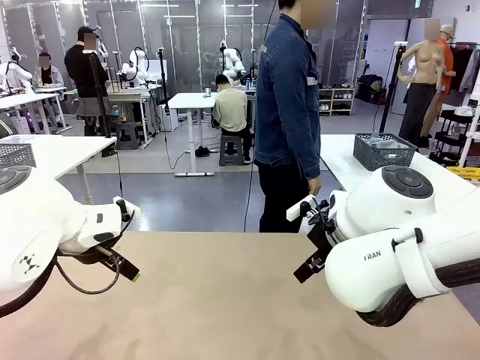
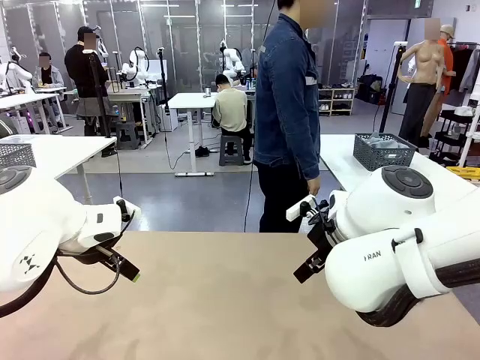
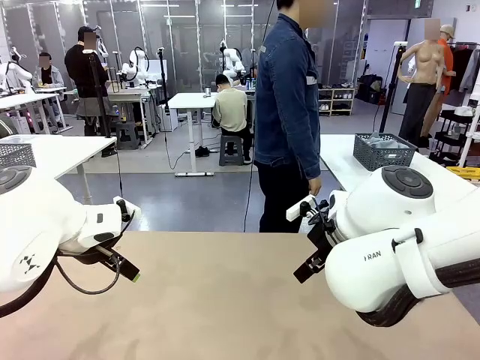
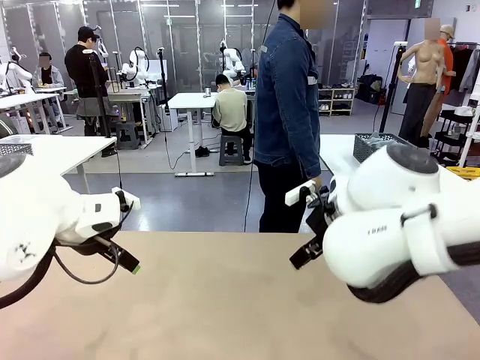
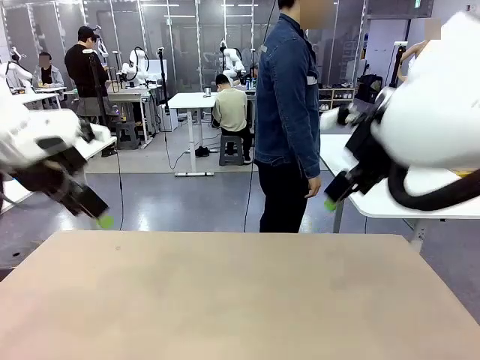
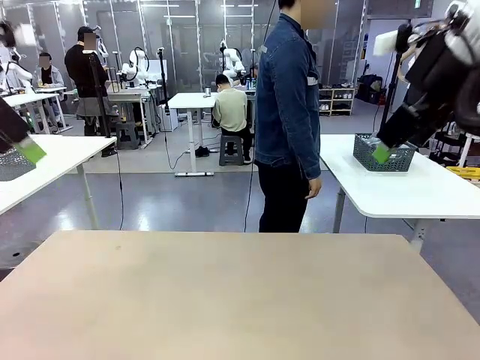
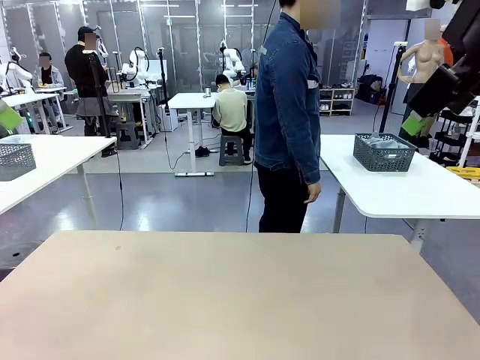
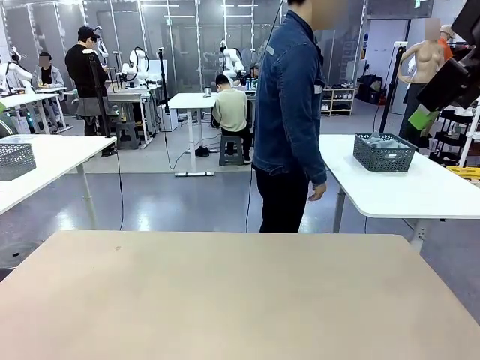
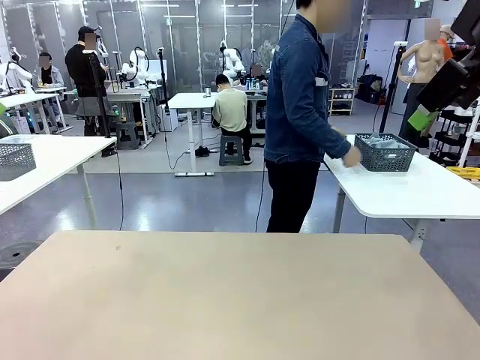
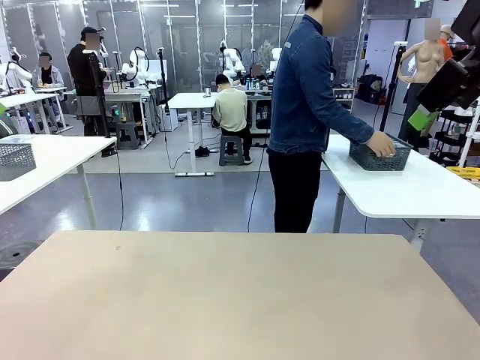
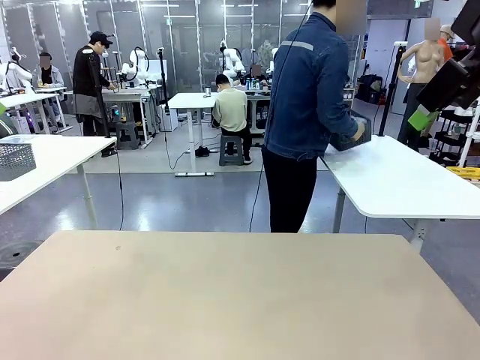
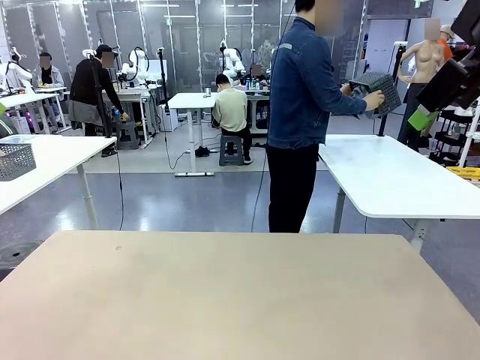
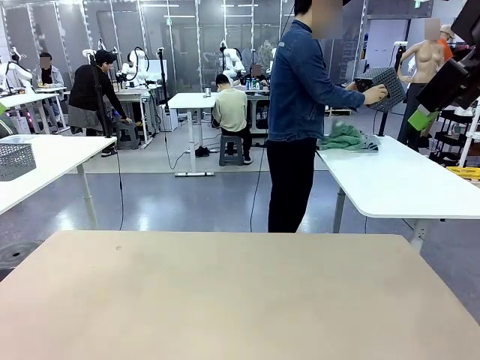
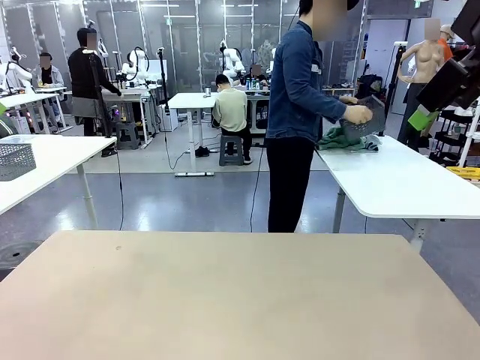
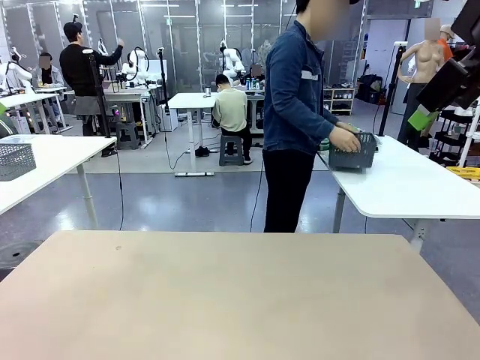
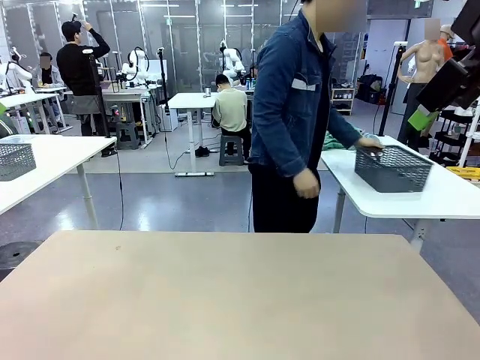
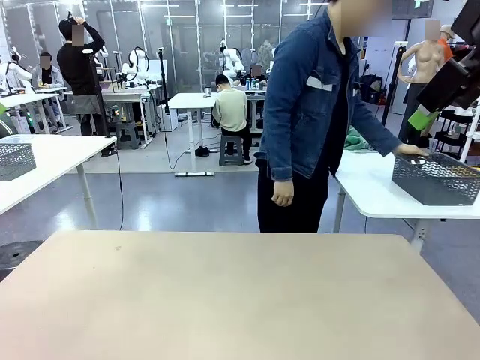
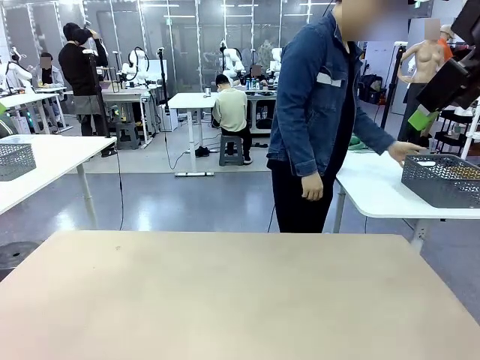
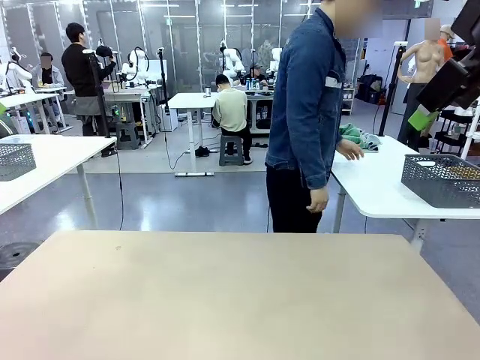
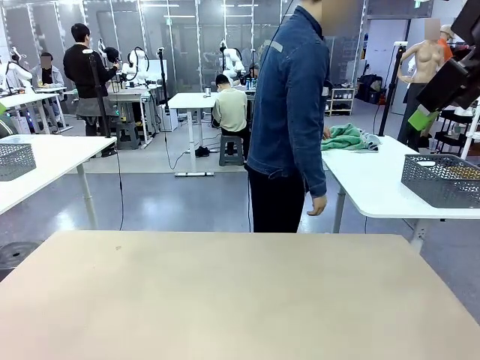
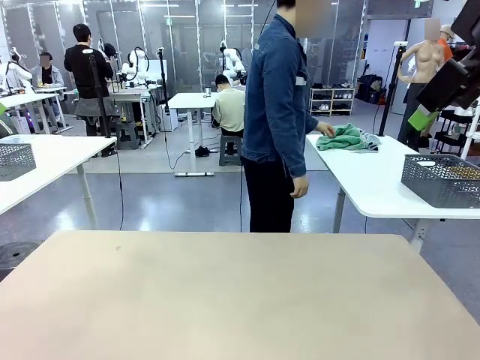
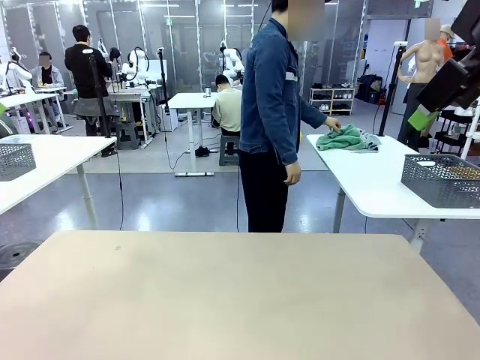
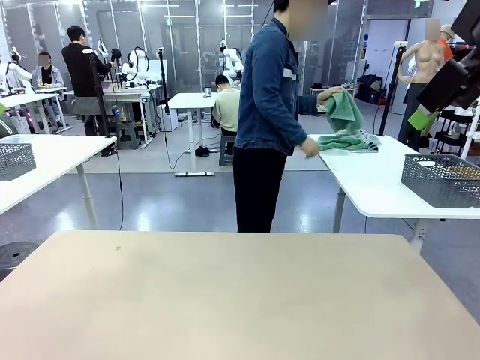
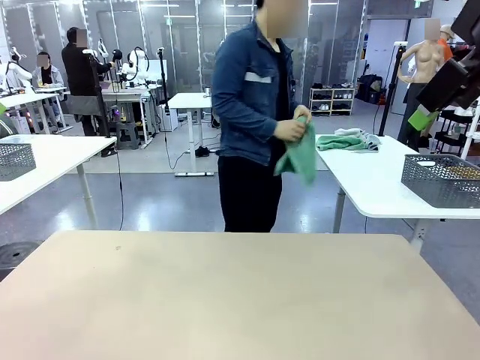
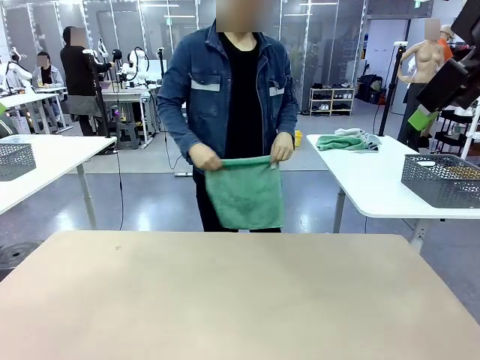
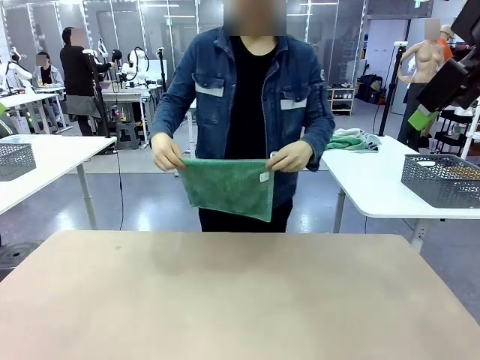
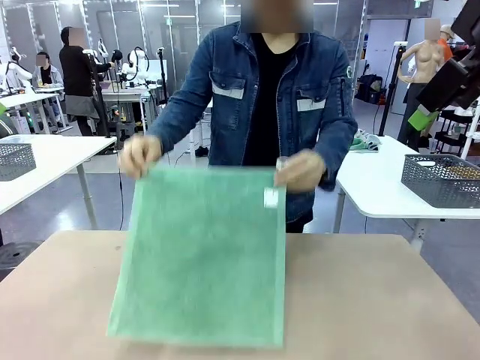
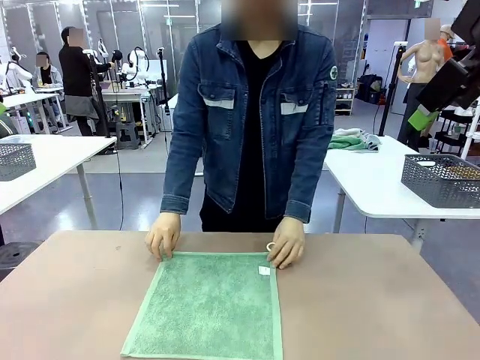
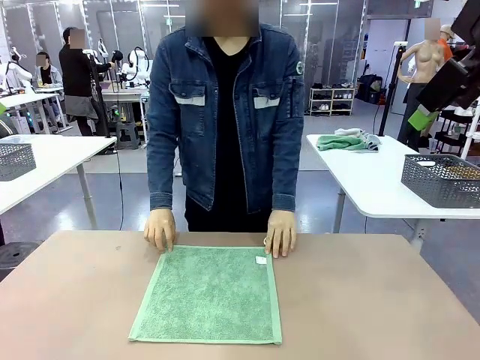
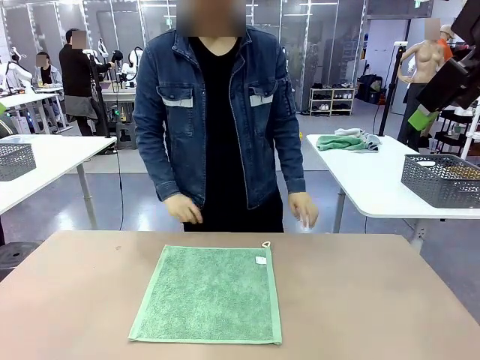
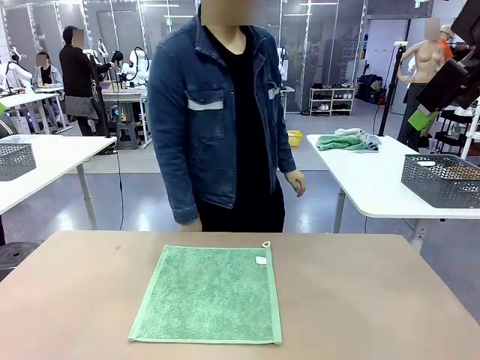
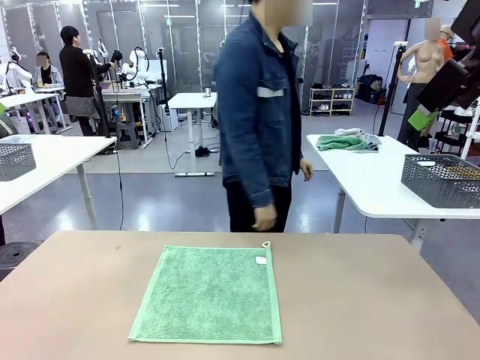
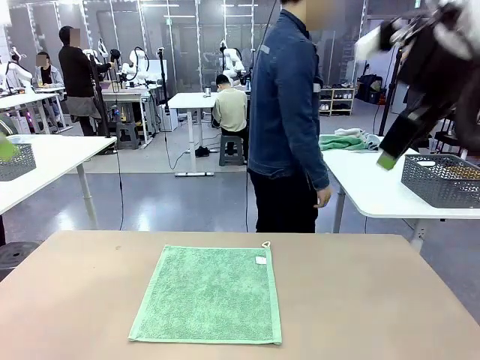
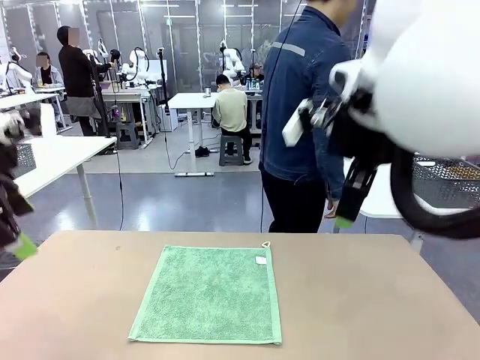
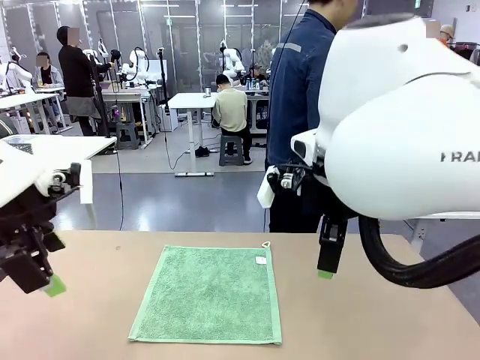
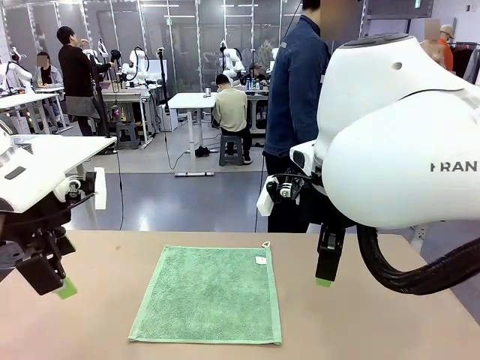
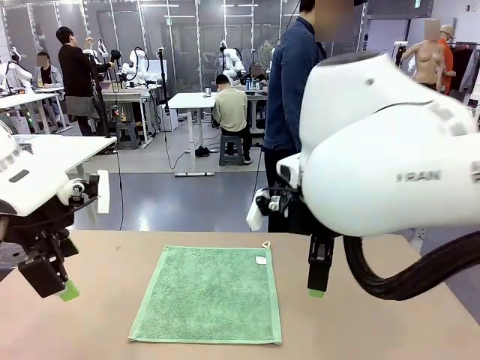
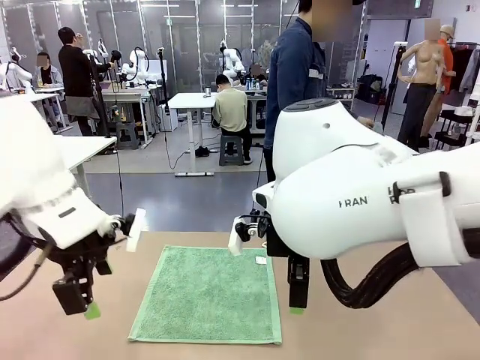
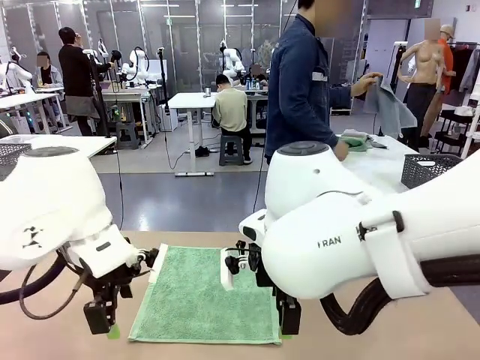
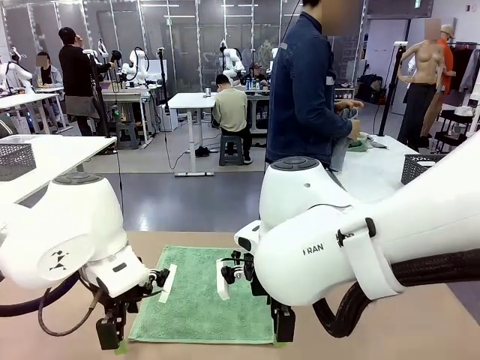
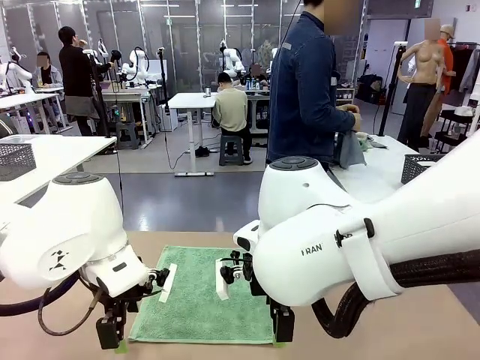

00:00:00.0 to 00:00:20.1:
Task: Fold the towels and place them in the basket.
Robot: When a person lays out a Towel with hook on the table, fold it in half twice.
Person: Pick up the basket, pour the towels onto the left side of the human table, and place the basket on the right side. Pick up one towel and spread it out at the center of the robot table.
